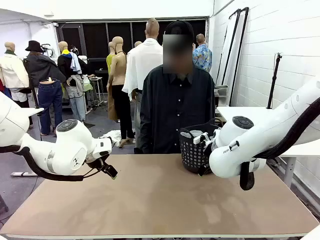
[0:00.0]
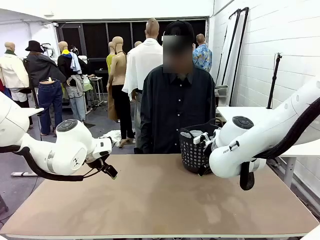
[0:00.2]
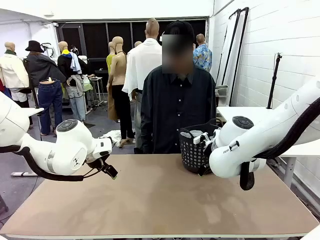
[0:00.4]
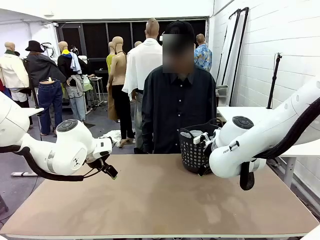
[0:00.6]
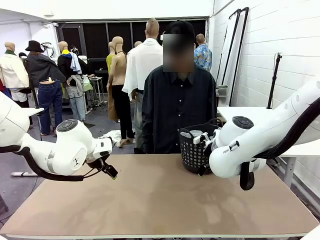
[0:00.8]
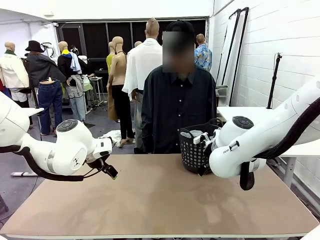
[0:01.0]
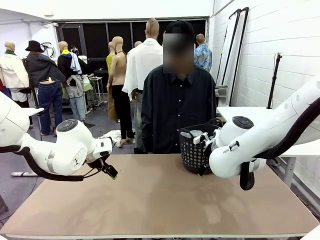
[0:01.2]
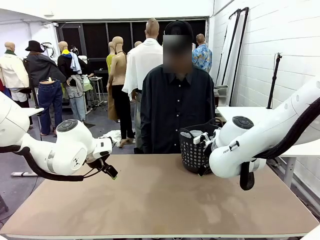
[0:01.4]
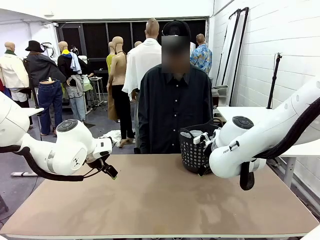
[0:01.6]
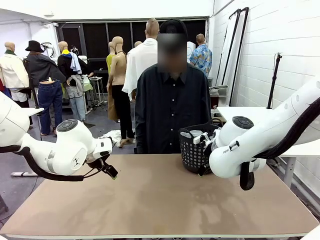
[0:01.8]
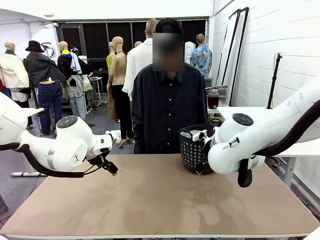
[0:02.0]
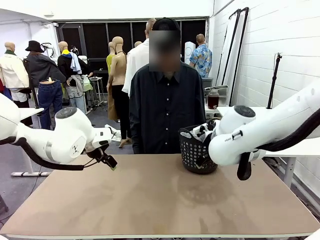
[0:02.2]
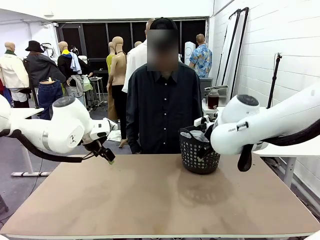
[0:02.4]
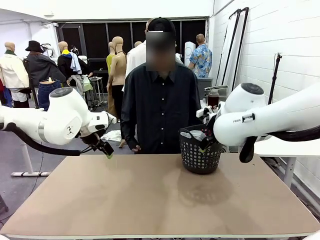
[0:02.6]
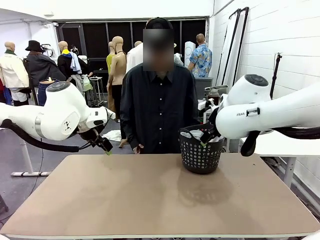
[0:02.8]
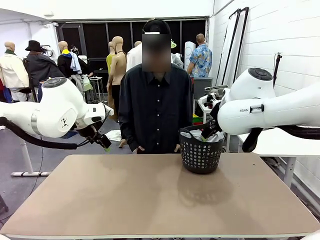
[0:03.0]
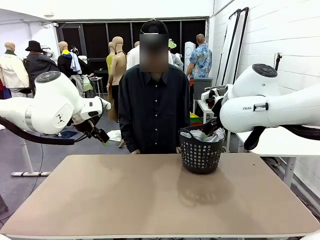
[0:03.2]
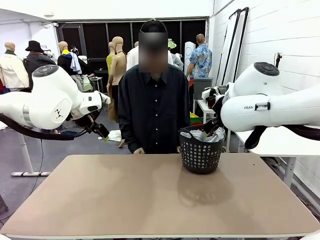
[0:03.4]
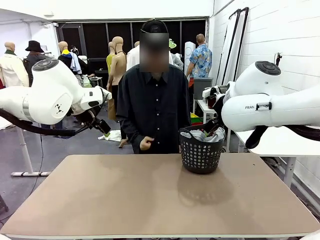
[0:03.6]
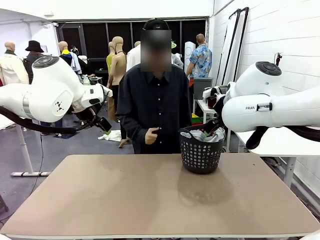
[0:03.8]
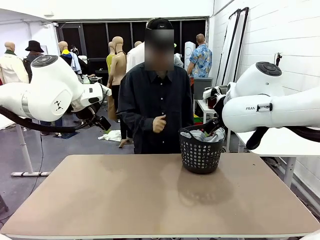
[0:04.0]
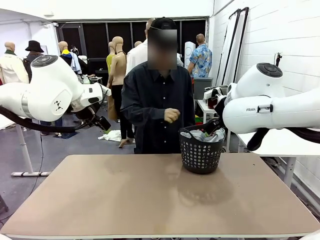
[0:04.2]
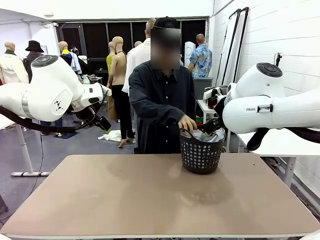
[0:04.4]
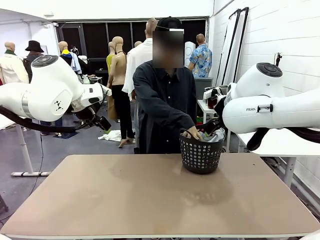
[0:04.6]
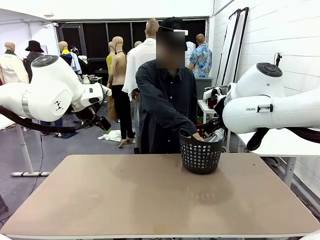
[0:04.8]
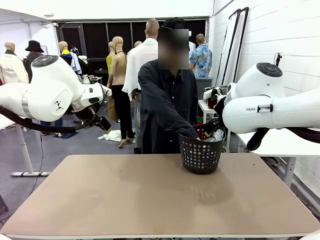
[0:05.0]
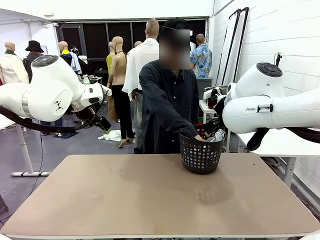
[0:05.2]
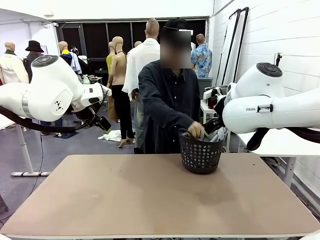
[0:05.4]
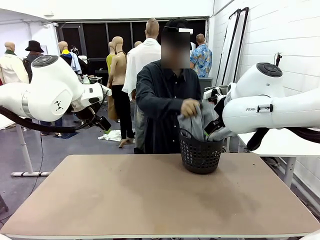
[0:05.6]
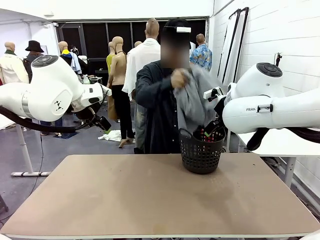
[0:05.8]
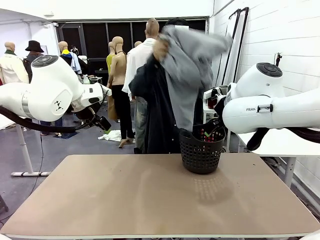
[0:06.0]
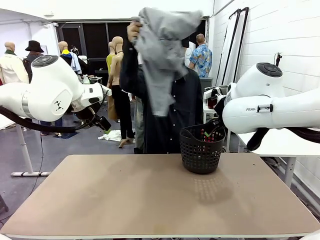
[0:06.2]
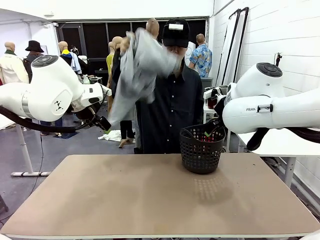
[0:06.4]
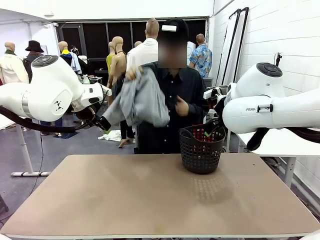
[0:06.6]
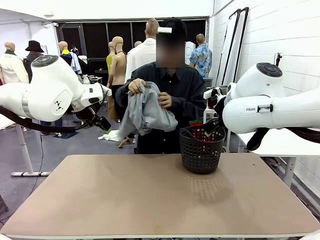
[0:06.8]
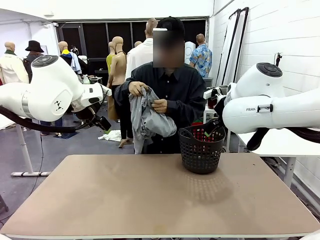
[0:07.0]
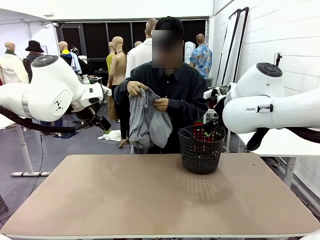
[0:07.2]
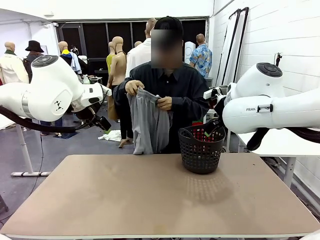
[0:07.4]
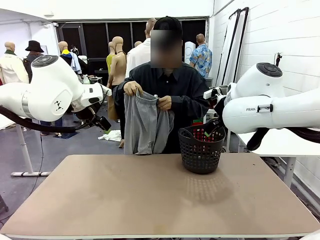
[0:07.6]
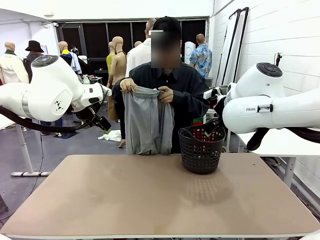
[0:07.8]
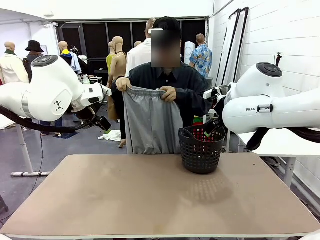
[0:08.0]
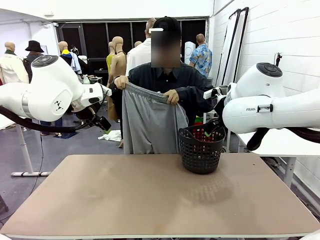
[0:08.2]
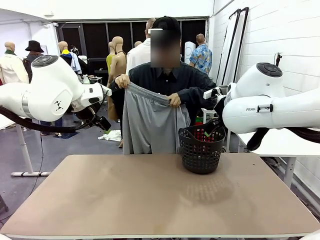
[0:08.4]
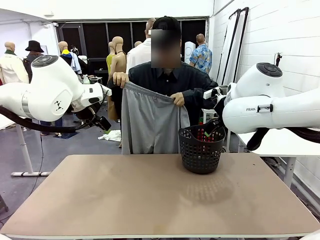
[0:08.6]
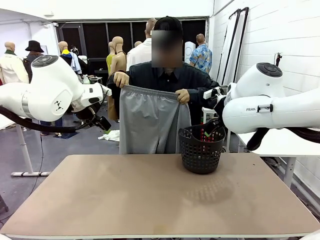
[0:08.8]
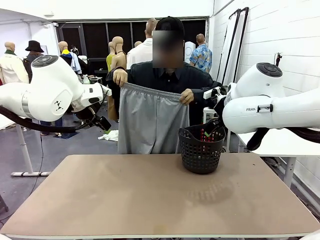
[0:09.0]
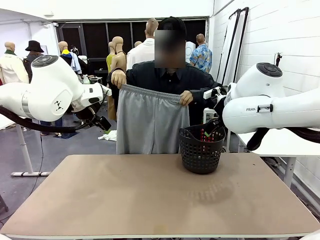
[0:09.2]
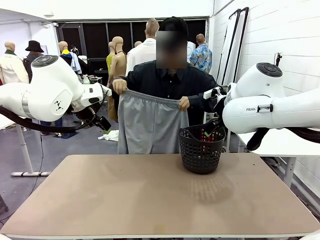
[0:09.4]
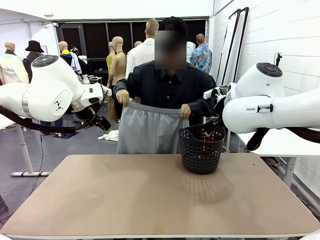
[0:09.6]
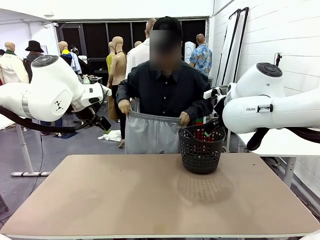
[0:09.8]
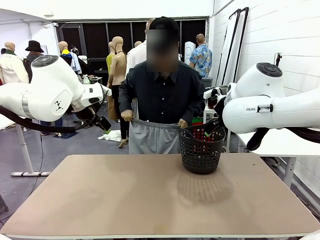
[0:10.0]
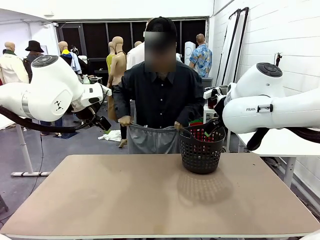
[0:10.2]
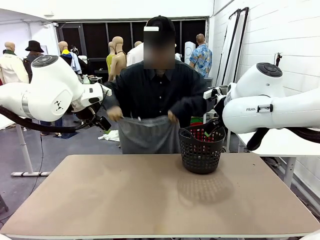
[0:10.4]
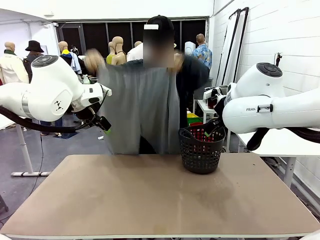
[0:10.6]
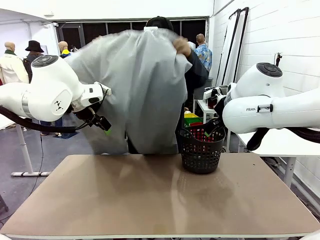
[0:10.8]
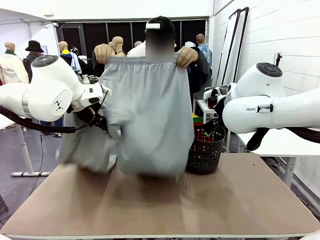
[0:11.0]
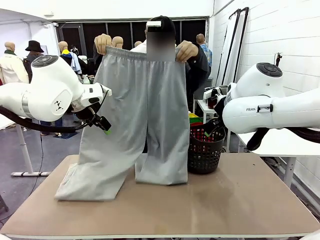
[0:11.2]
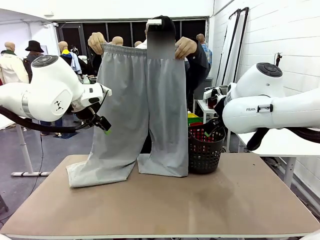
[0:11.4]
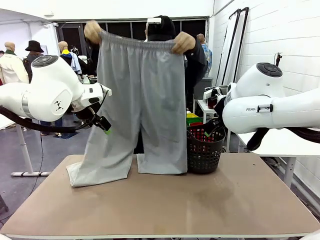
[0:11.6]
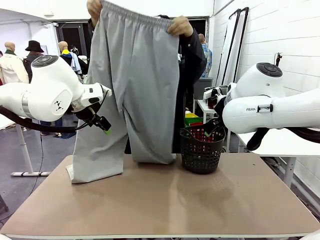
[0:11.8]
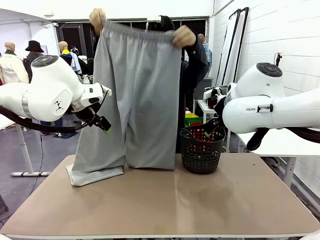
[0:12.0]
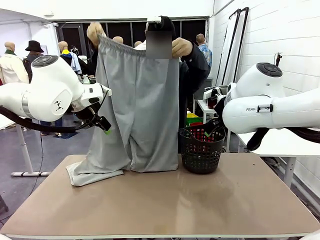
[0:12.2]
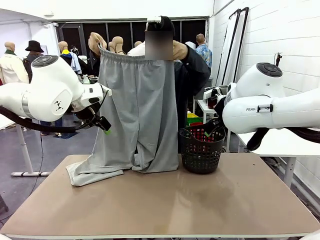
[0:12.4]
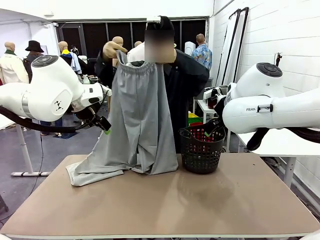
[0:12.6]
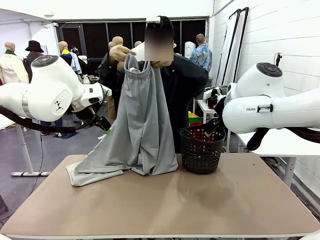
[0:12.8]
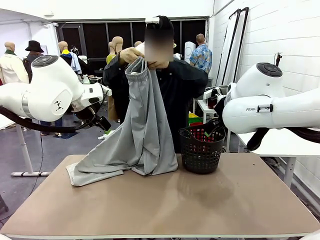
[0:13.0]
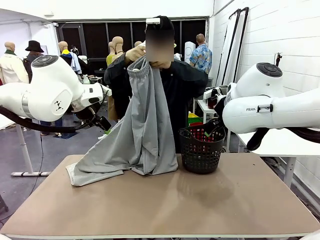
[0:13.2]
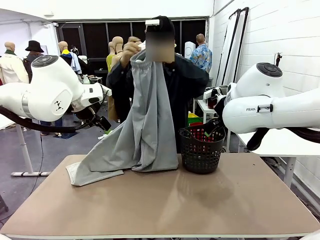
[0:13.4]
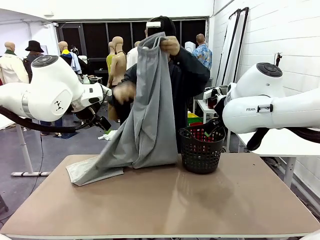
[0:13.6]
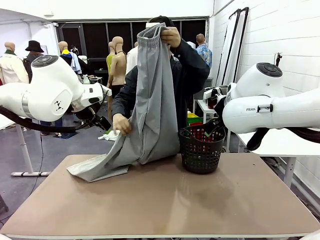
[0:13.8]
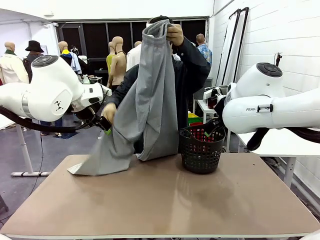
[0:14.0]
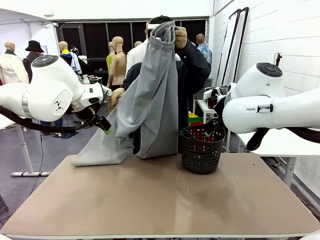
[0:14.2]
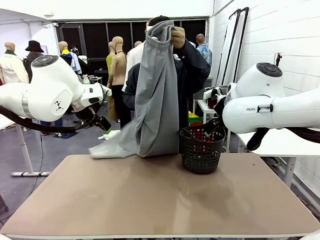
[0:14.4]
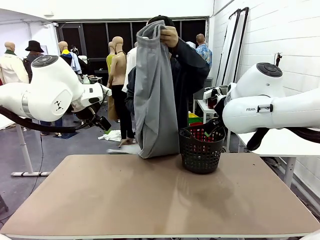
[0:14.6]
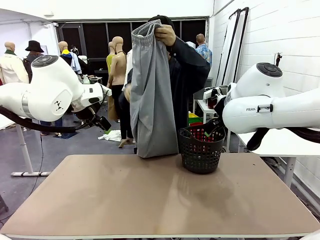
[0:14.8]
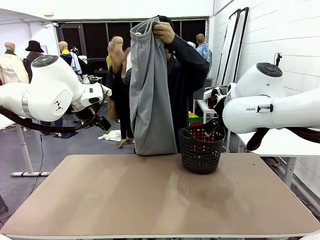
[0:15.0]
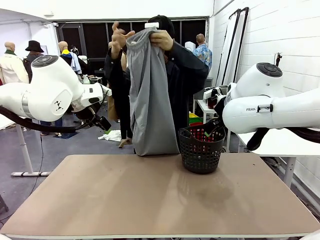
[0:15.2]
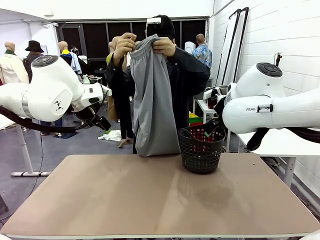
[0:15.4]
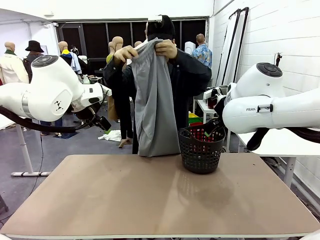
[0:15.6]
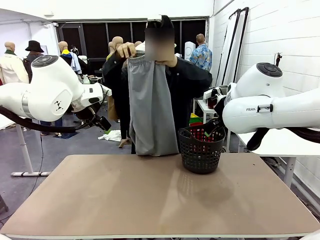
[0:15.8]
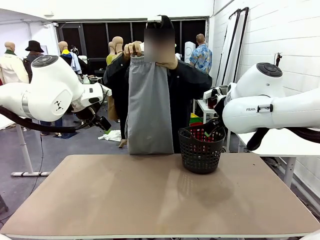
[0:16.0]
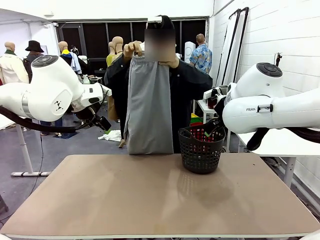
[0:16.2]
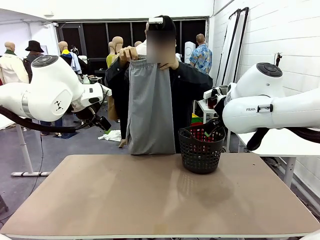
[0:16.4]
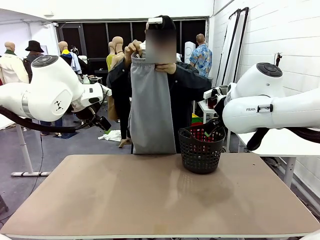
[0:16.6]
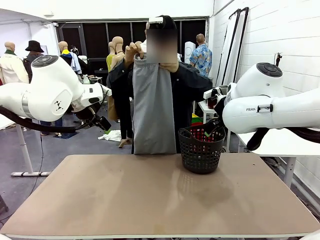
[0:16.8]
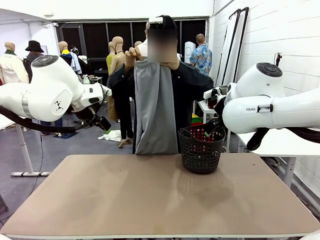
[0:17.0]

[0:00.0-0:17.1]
Task: Fold the training pants.
Robot: Grab both ends of the Training pants handed by a person.
Person: Take the long pants out of the laundry basket, unfold them, fold the waist in half, and extend them so the robot can pick up both corners.
